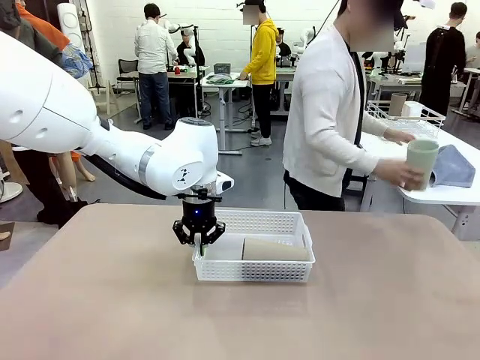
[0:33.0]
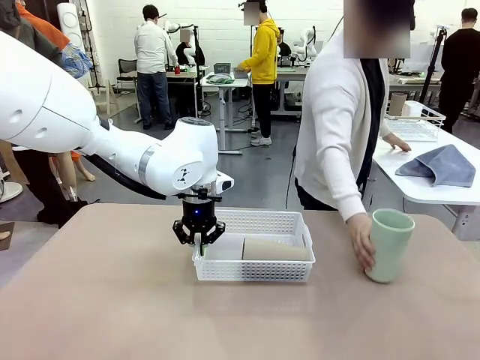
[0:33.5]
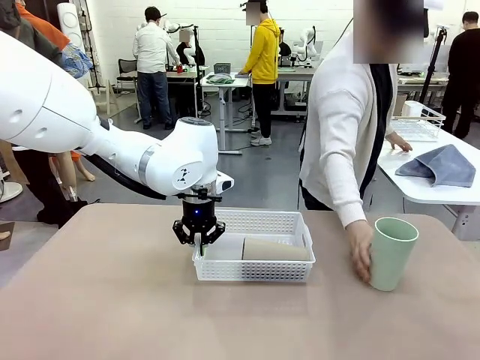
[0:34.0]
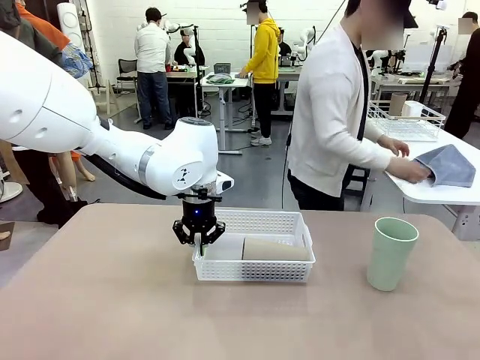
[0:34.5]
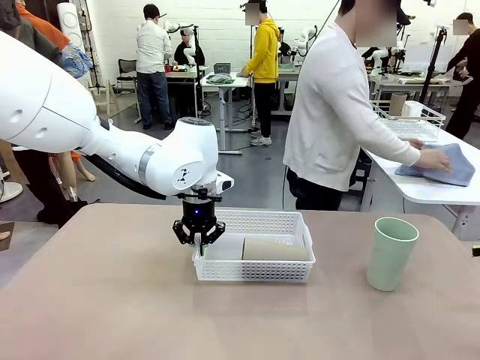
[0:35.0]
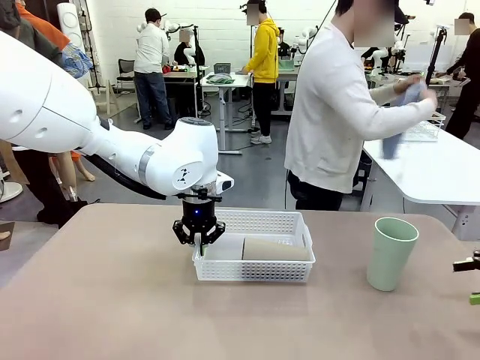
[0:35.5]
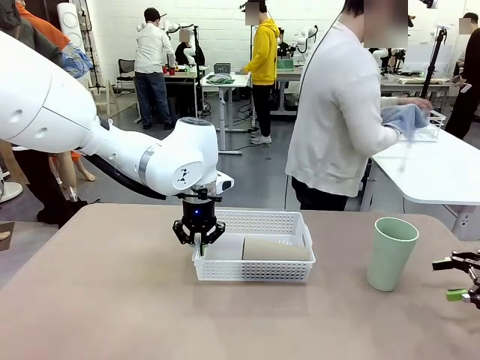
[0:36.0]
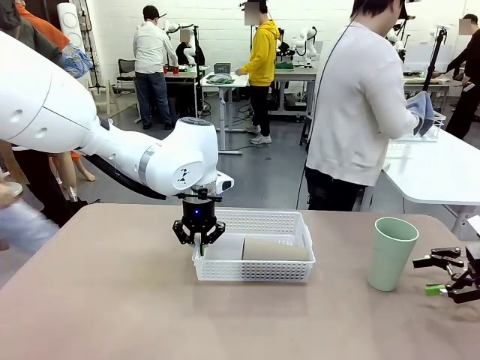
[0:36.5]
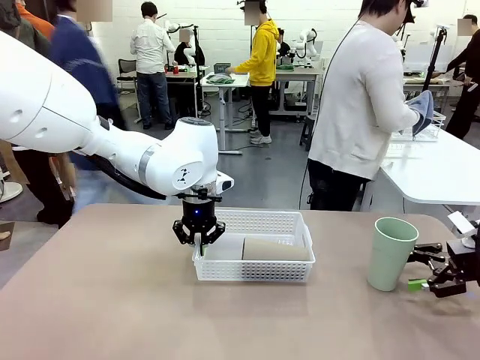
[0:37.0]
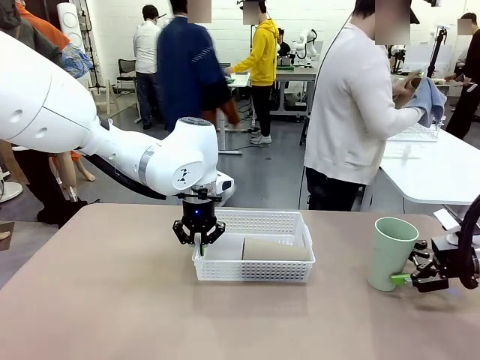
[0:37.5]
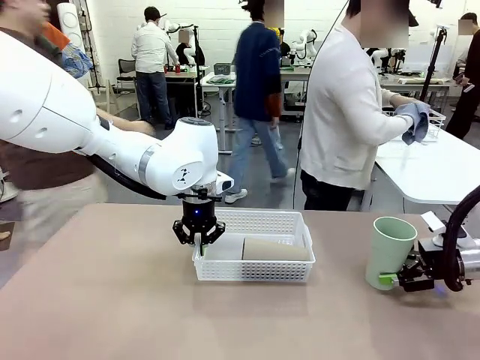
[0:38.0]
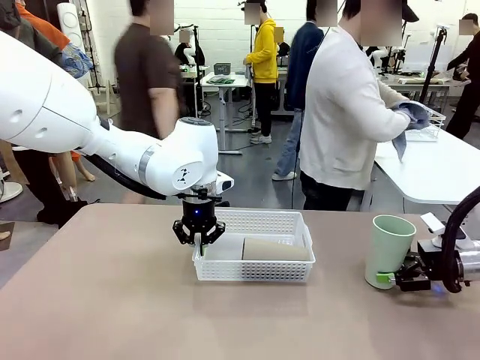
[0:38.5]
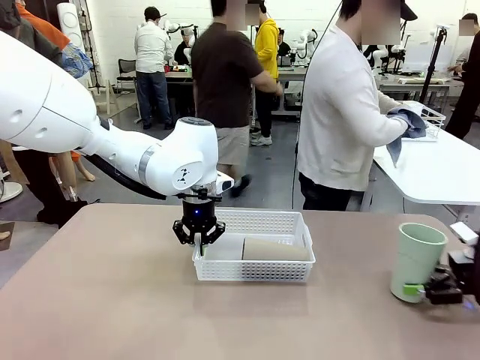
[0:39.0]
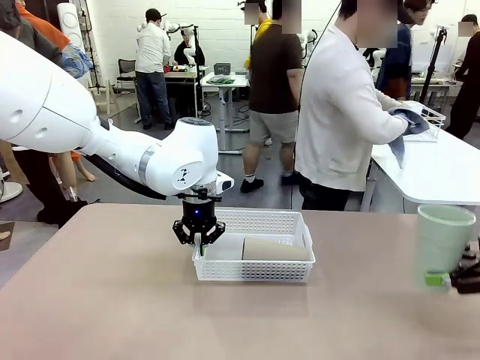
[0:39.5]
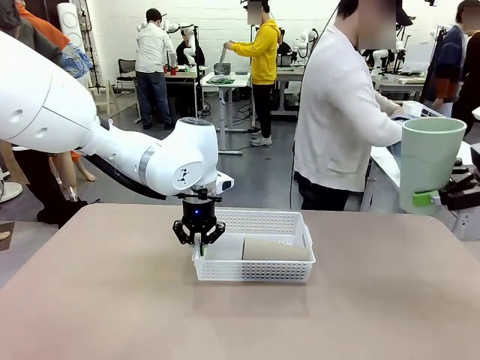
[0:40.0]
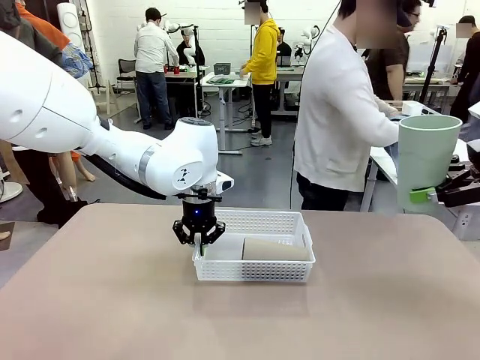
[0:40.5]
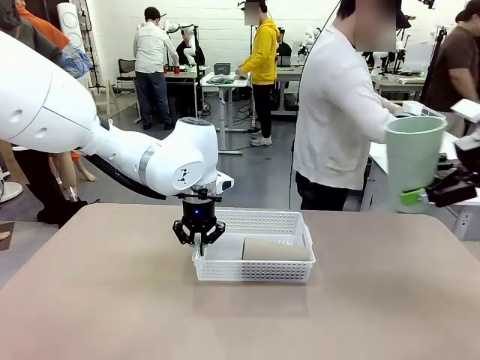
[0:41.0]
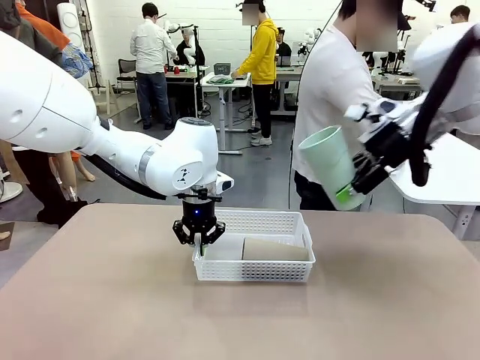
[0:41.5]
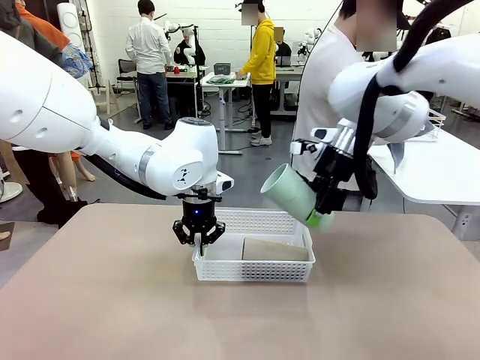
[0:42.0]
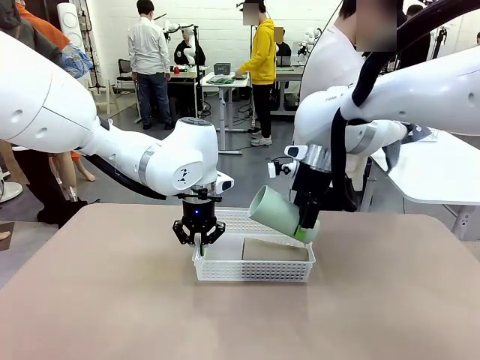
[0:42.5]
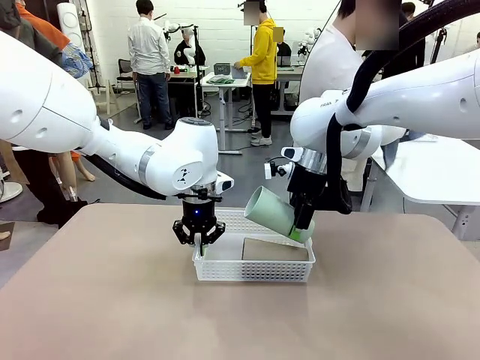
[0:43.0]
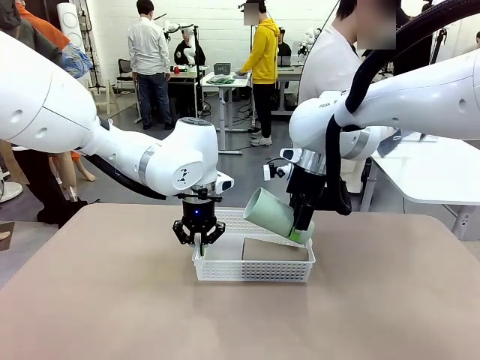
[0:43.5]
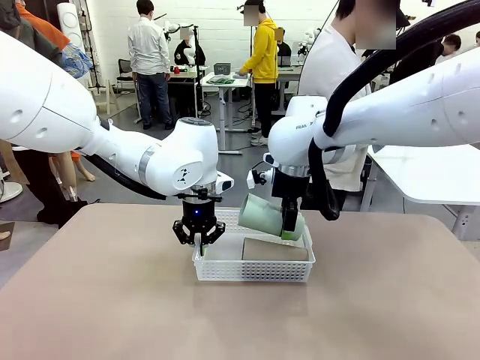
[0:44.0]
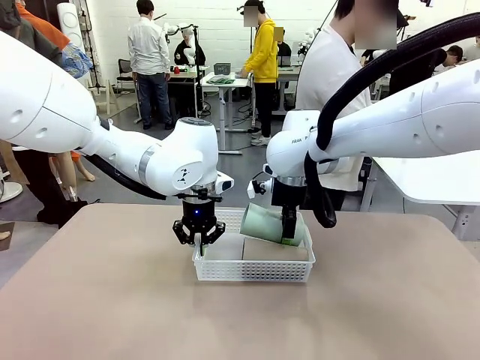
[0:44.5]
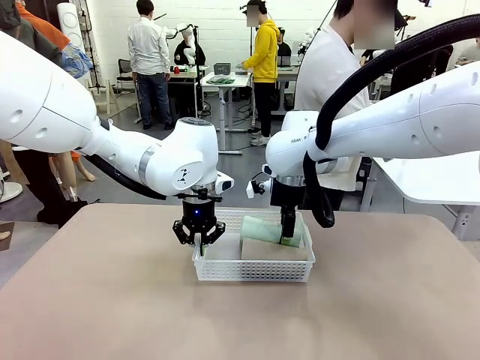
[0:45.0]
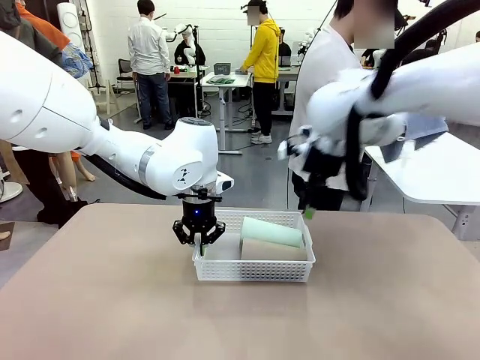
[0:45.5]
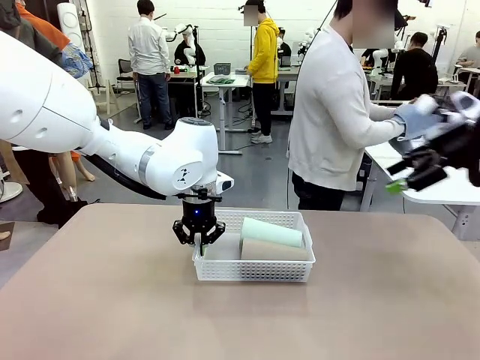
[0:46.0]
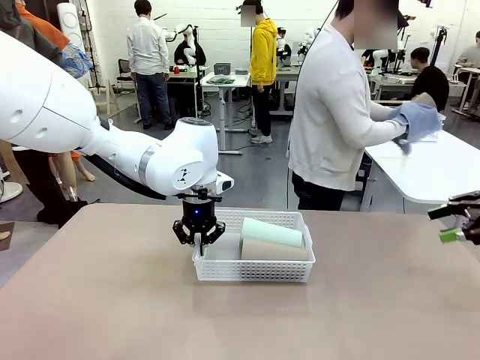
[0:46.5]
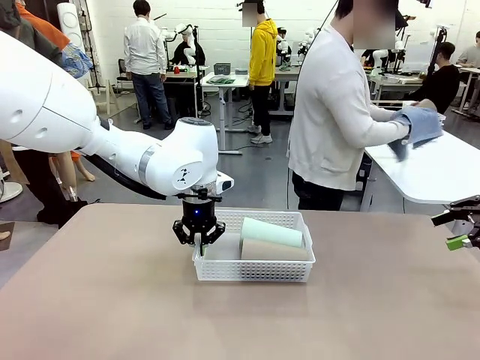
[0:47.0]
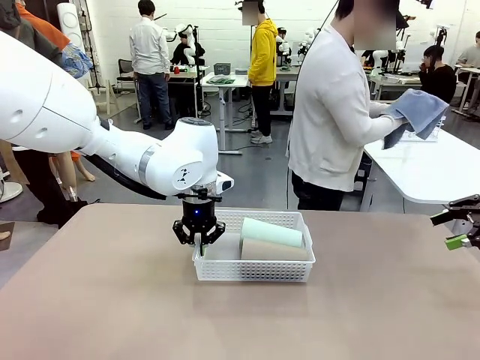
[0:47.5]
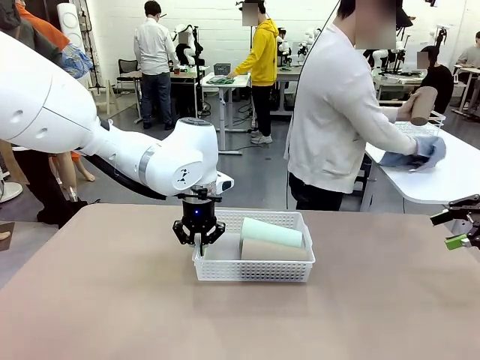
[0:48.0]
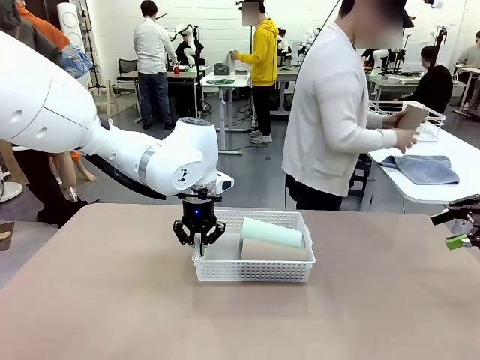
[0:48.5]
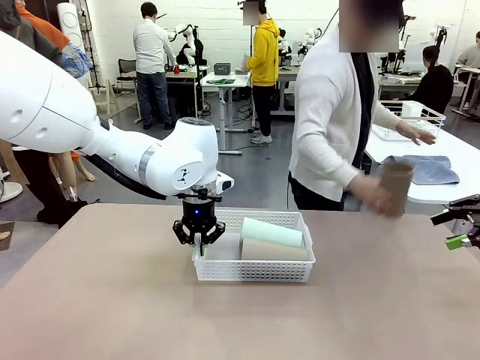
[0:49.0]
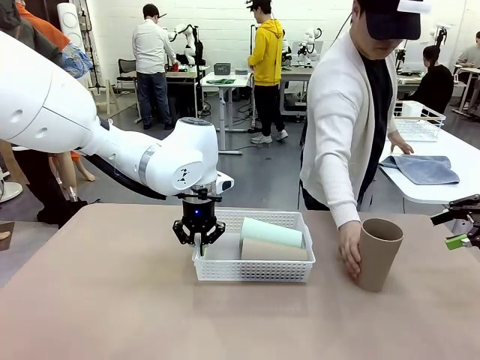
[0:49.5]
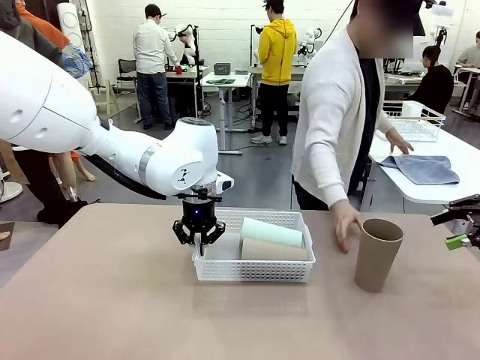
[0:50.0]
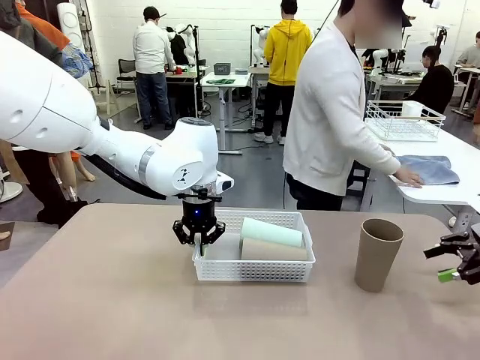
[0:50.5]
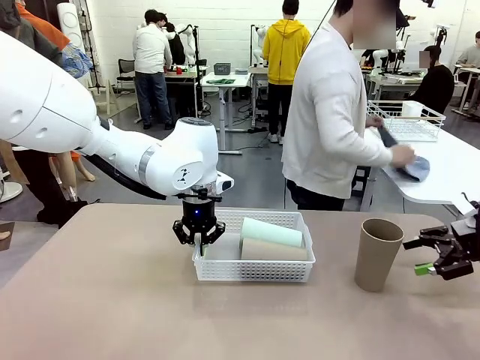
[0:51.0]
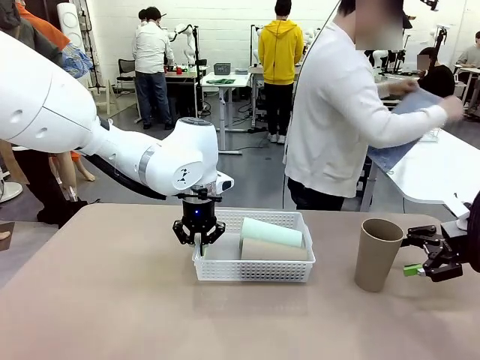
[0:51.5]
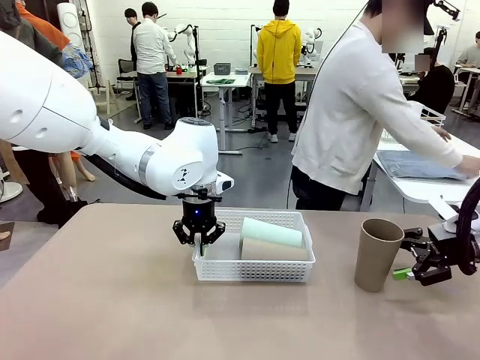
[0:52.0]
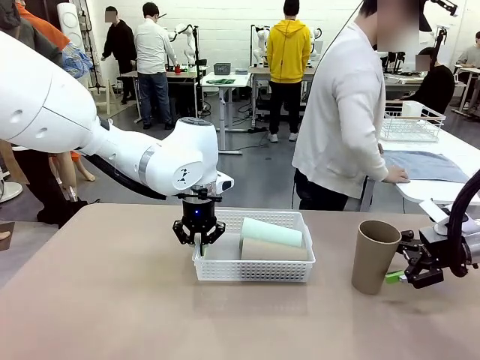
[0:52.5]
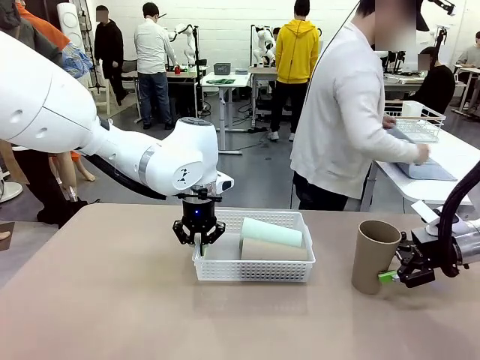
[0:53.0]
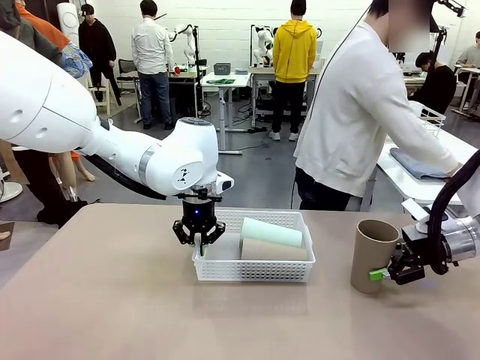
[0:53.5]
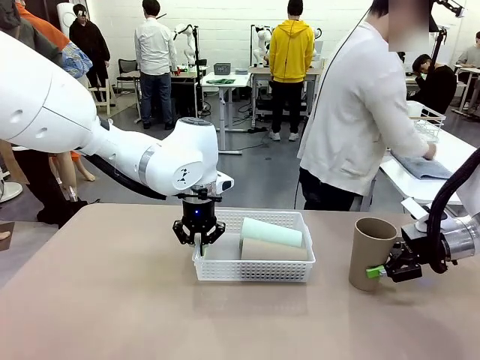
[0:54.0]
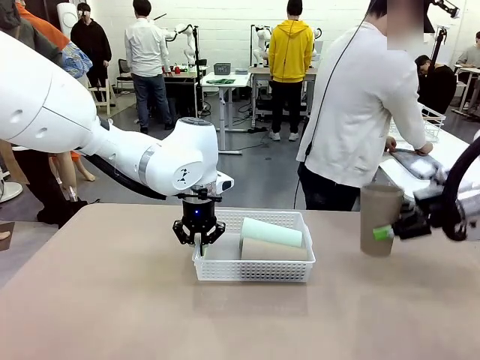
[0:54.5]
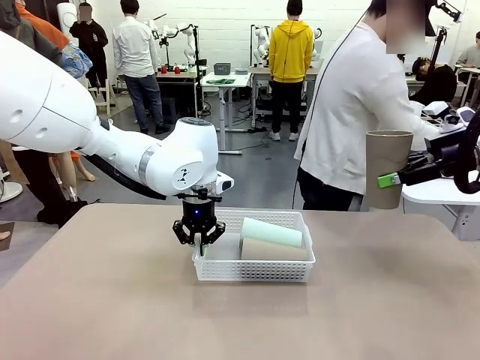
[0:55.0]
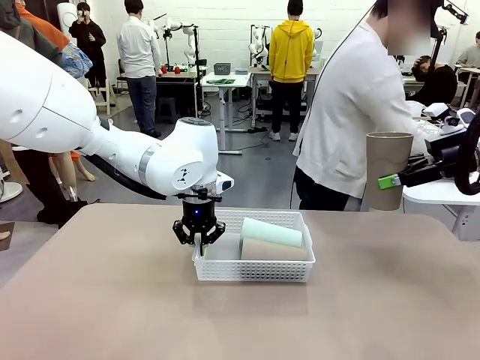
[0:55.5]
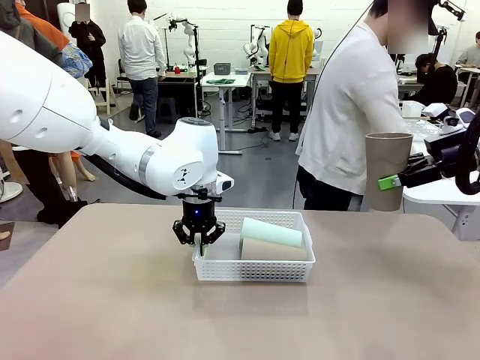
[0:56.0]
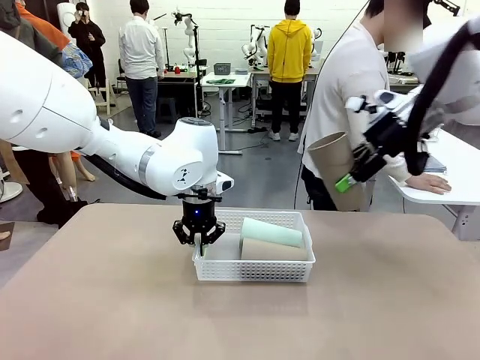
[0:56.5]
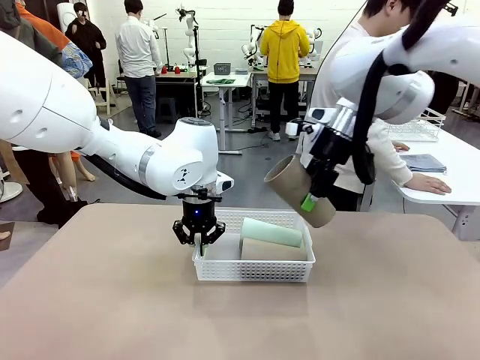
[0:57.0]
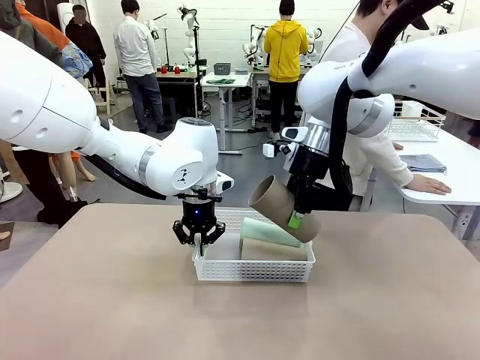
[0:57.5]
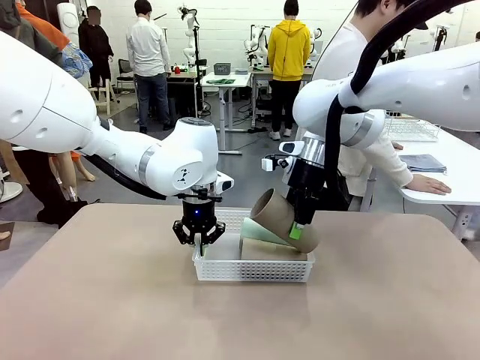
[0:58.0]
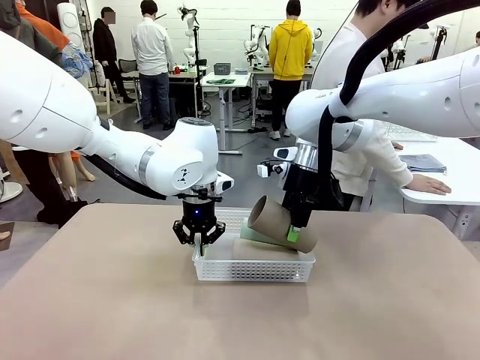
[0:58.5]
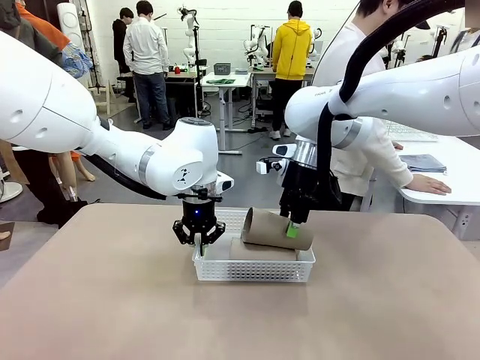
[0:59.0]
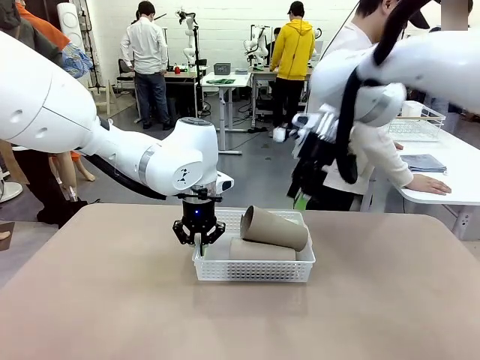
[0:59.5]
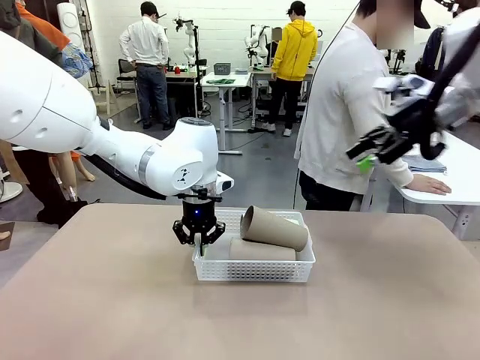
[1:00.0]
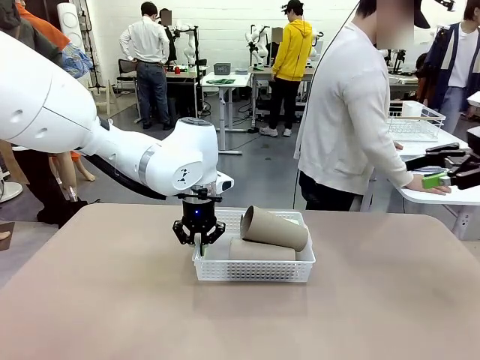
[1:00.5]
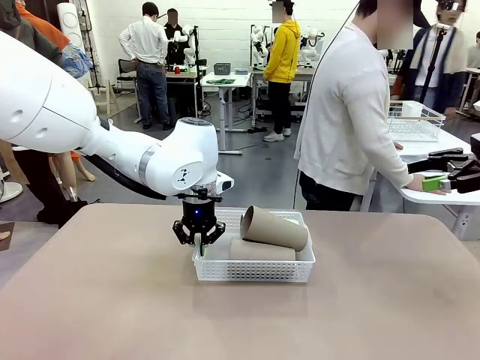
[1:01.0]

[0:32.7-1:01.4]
Task: Clean and organize the cups into the basket.
Robot: Pick up the Reusable plastic cup from the right side of the table and stack it inside the Organizing basket in the center of the table.
